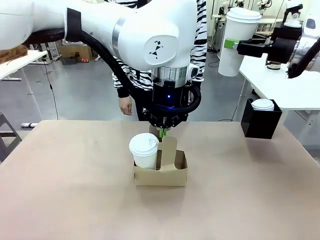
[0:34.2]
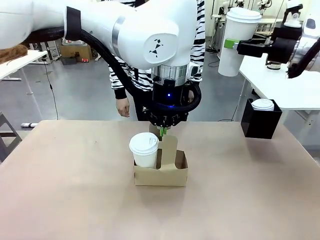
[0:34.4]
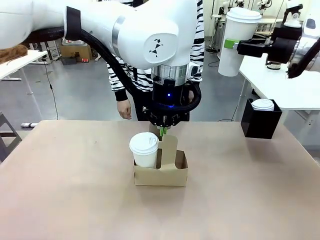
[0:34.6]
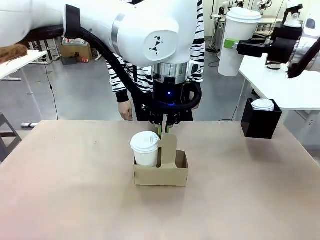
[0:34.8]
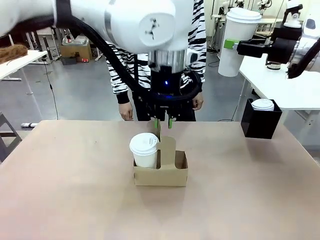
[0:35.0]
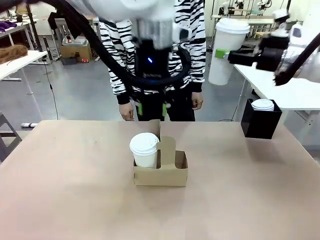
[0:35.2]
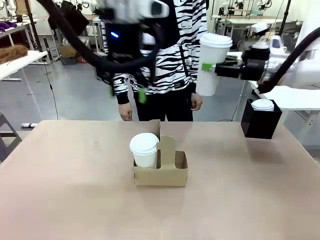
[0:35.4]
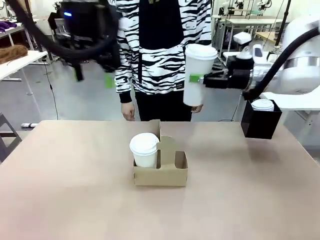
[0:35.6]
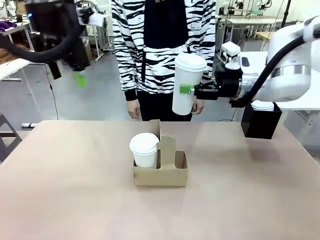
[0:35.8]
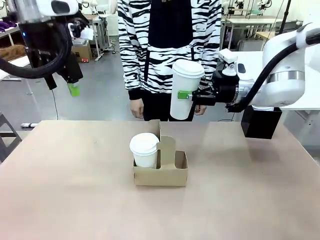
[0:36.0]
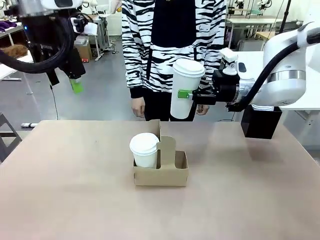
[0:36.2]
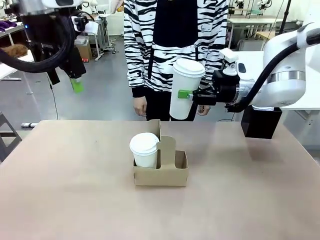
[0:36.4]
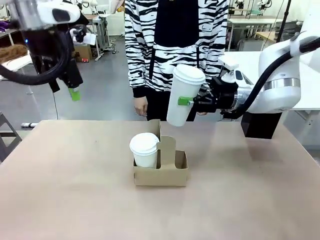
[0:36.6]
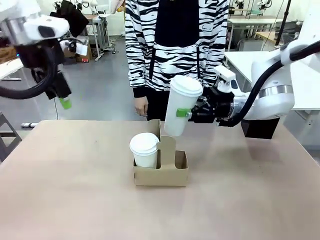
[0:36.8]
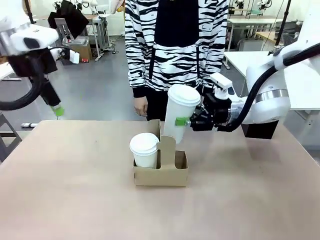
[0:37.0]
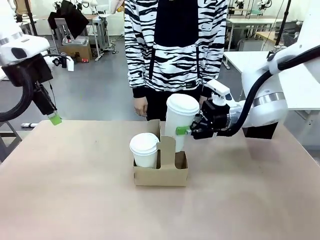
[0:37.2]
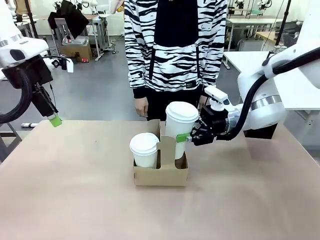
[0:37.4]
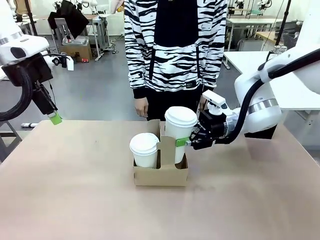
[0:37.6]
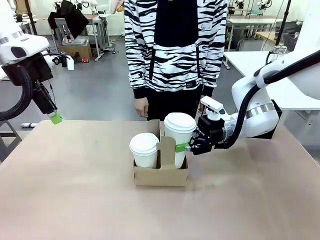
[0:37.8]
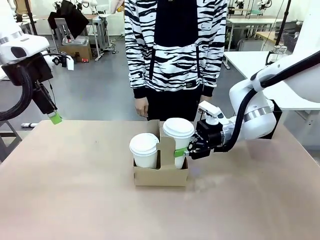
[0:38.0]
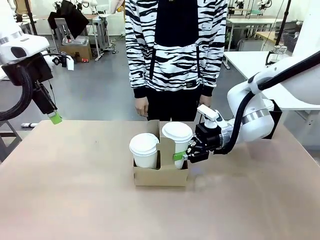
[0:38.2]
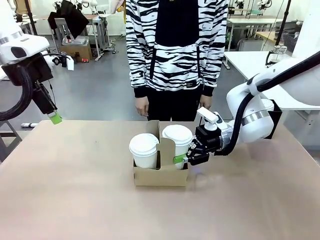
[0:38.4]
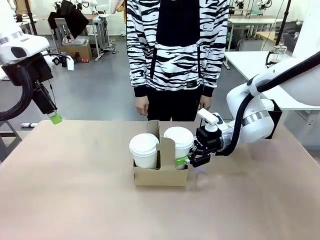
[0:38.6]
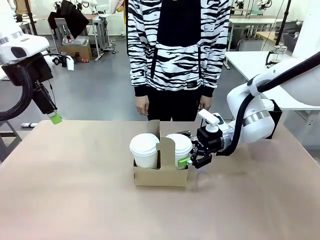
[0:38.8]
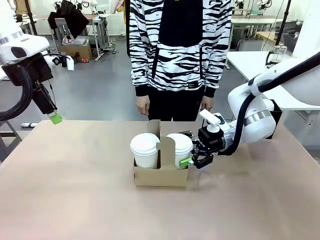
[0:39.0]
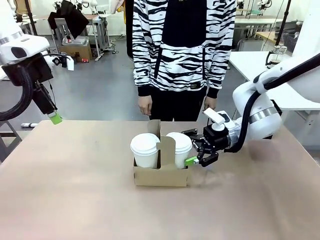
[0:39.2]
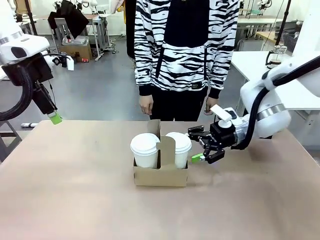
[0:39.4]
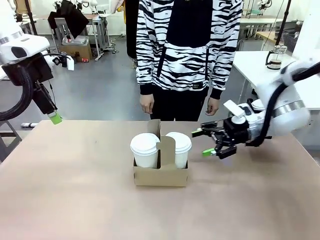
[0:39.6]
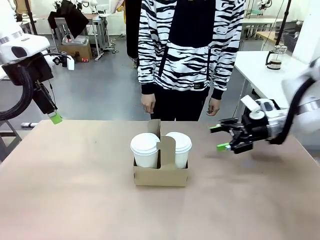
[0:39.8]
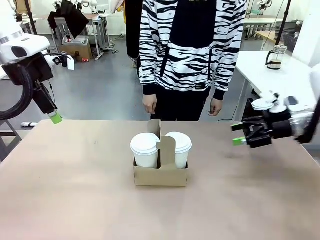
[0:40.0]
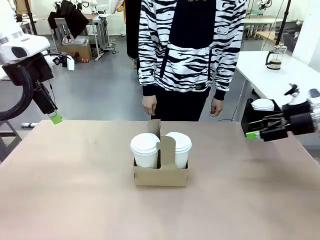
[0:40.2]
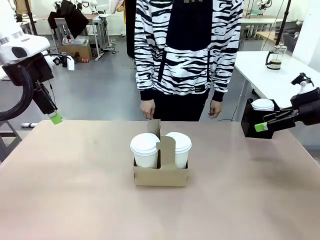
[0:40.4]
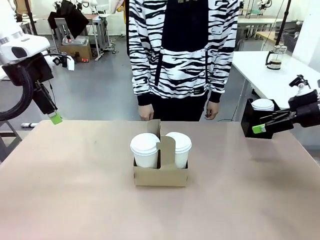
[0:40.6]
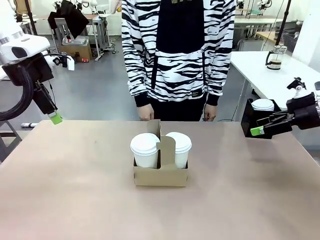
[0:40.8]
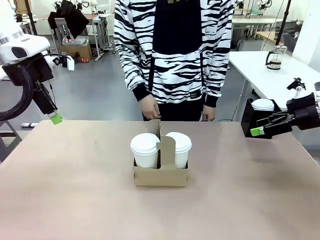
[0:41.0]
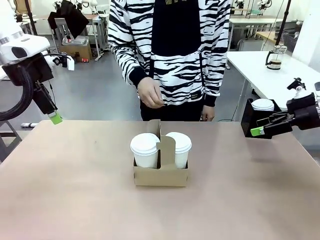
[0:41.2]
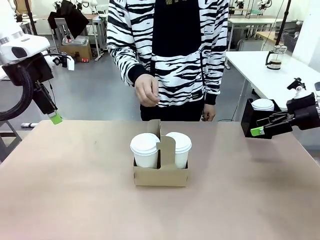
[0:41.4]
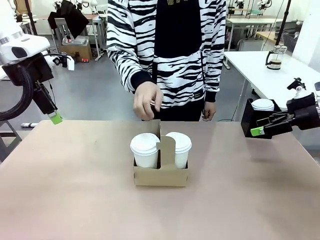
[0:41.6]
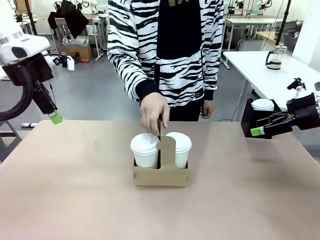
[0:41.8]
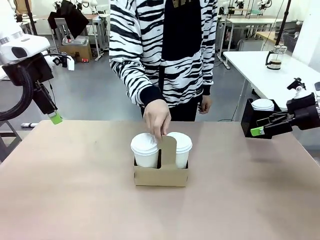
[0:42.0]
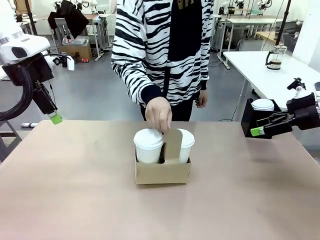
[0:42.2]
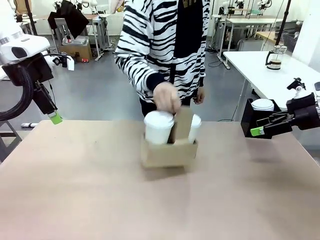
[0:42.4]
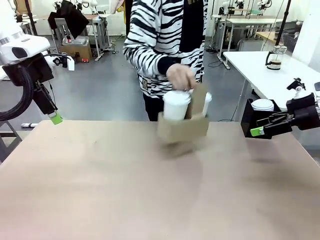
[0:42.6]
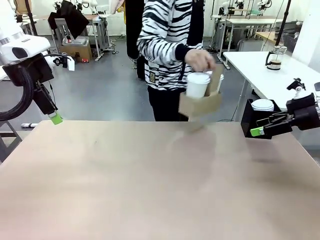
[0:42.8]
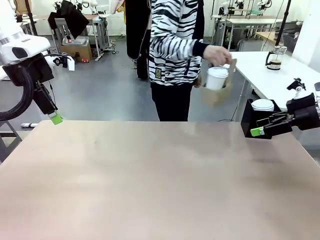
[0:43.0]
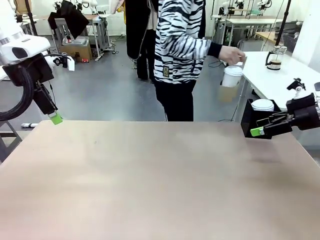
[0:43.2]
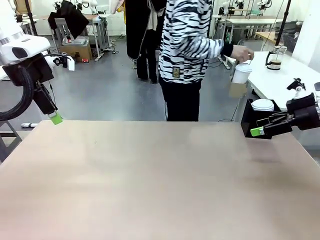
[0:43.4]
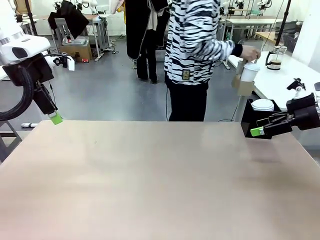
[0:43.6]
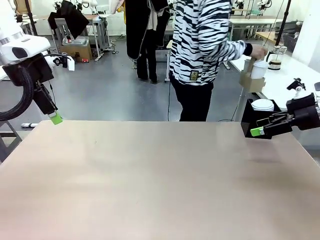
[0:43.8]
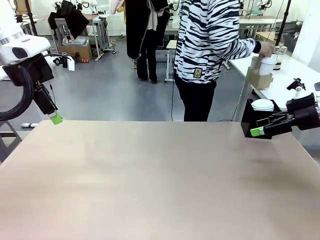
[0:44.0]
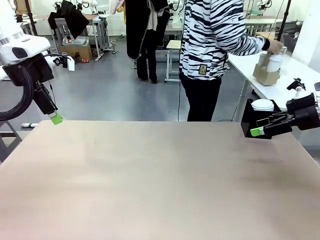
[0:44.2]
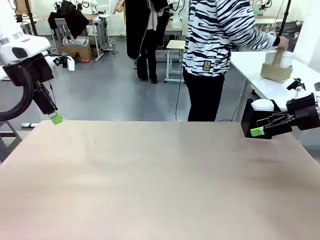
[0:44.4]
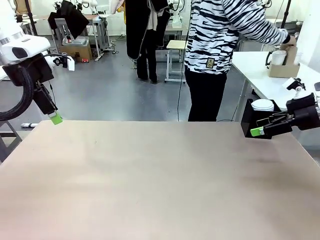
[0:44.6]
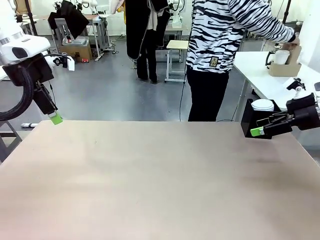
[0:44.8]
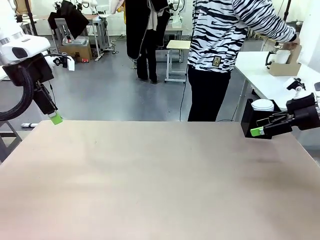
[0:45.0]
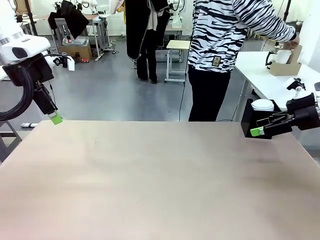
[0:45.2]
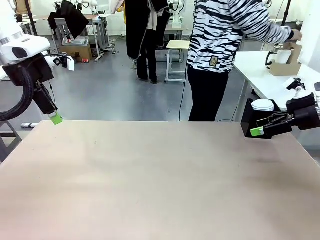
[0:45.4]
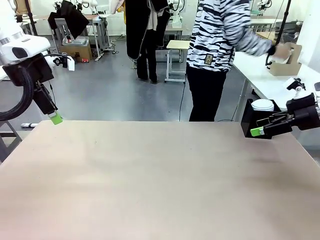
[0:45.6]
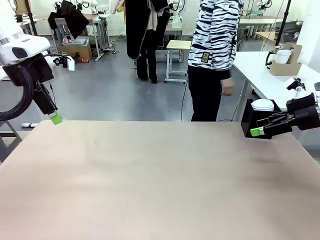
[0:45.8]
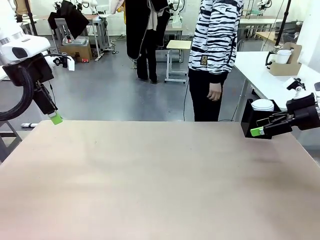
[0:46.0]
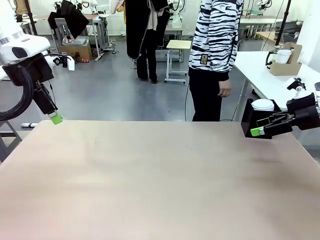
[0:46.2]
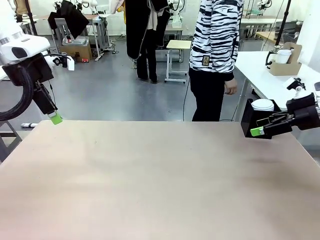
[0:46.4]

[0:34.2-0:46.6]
Task: Pour a drink into a cup and package it in a carrier.
Robot: Insert the held 600 ml Paper Cup into the Cup Carrier.
Person: Place the Cup Carrier to the middle of Human table.

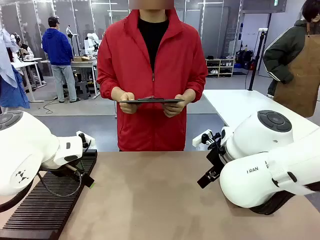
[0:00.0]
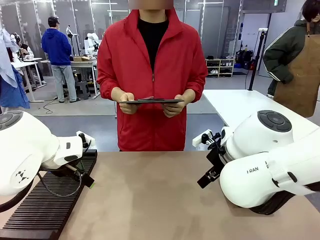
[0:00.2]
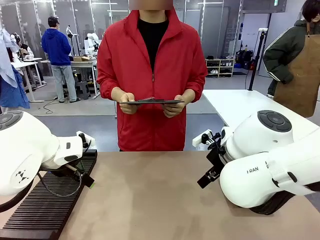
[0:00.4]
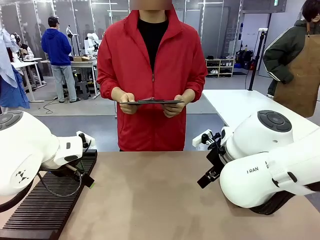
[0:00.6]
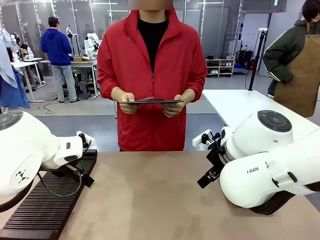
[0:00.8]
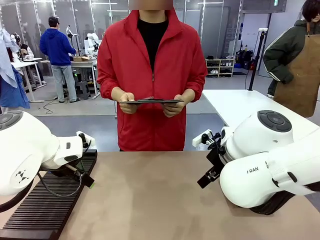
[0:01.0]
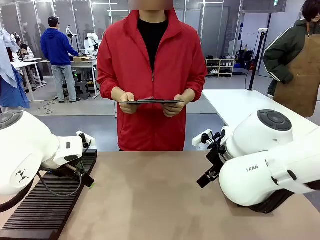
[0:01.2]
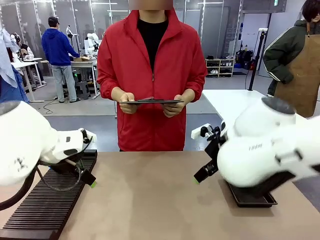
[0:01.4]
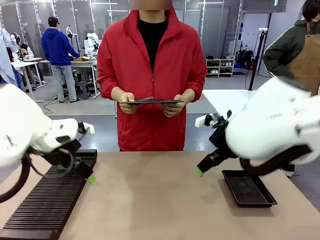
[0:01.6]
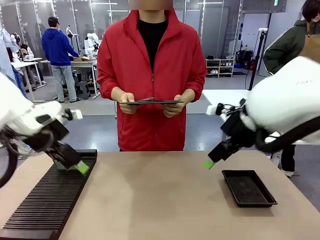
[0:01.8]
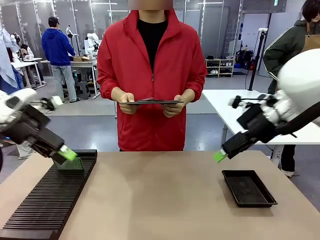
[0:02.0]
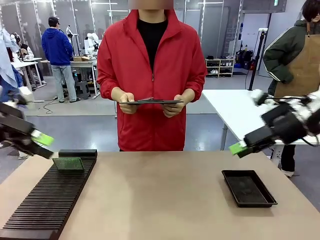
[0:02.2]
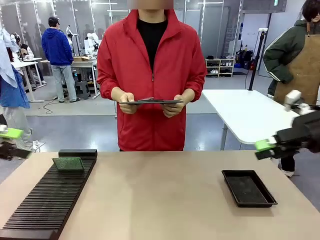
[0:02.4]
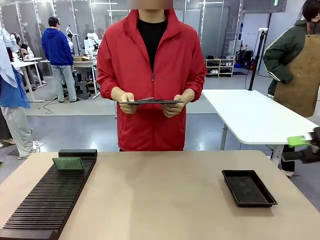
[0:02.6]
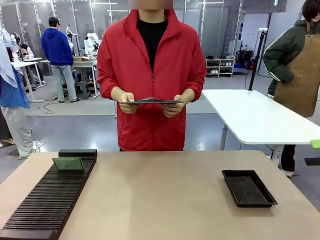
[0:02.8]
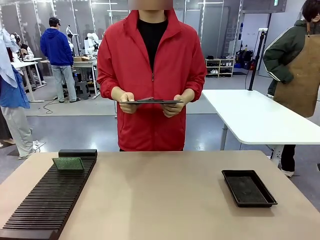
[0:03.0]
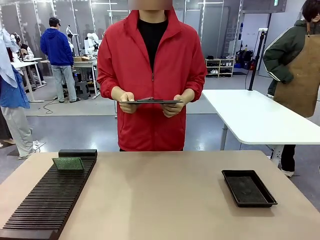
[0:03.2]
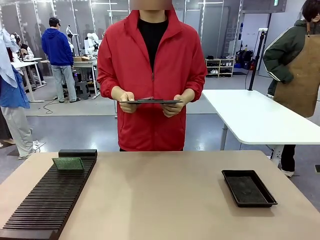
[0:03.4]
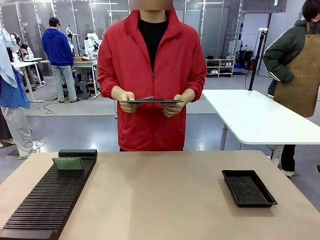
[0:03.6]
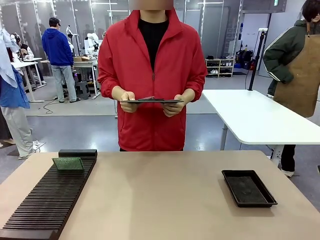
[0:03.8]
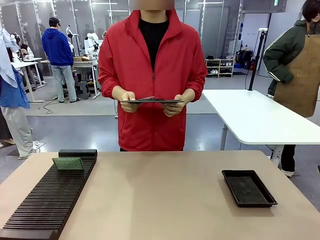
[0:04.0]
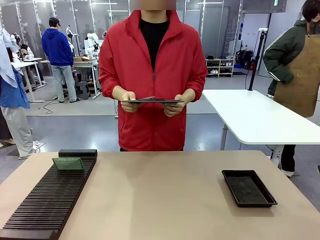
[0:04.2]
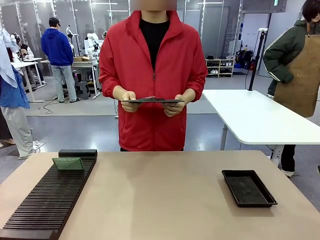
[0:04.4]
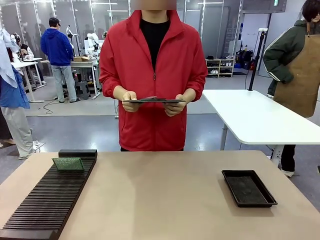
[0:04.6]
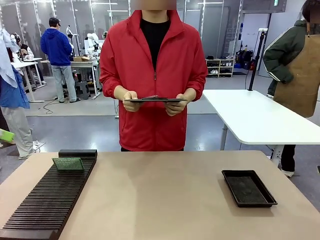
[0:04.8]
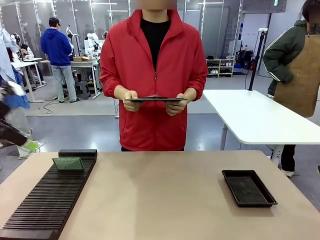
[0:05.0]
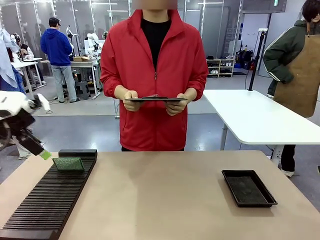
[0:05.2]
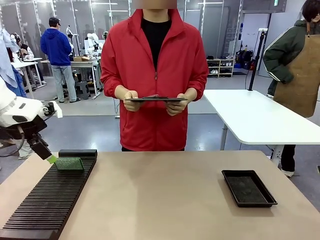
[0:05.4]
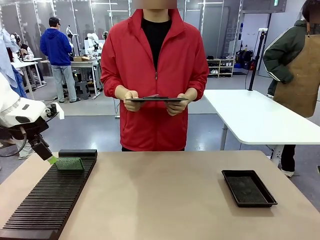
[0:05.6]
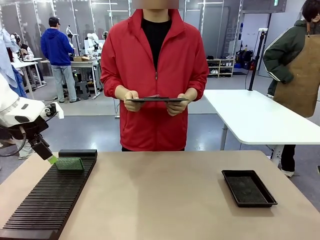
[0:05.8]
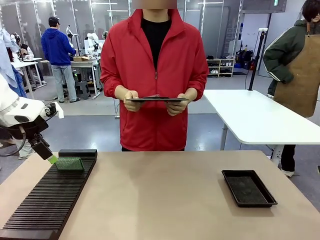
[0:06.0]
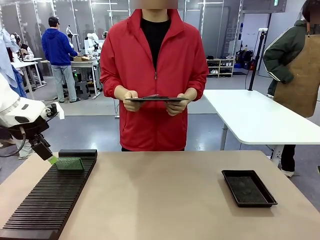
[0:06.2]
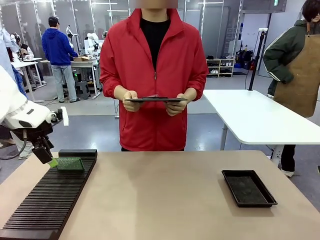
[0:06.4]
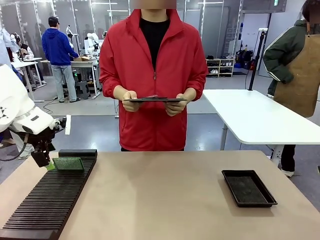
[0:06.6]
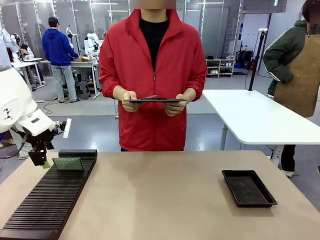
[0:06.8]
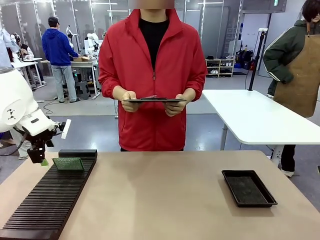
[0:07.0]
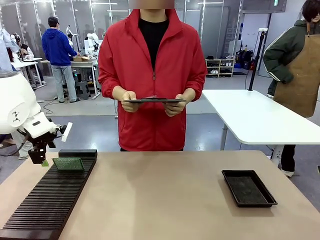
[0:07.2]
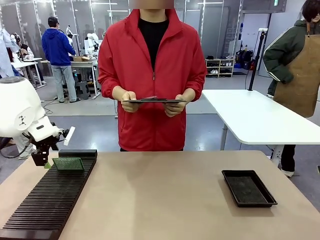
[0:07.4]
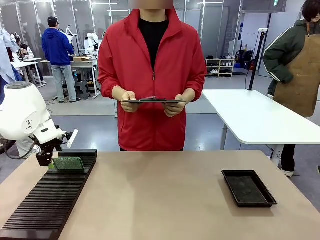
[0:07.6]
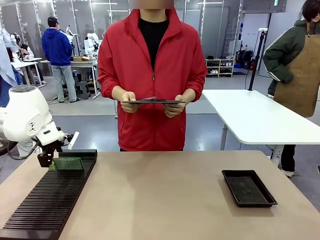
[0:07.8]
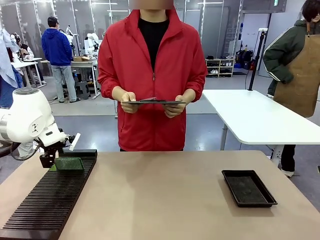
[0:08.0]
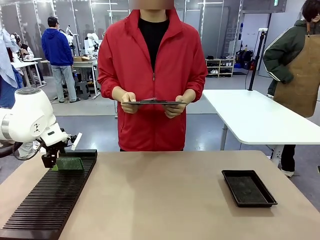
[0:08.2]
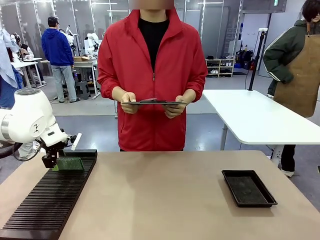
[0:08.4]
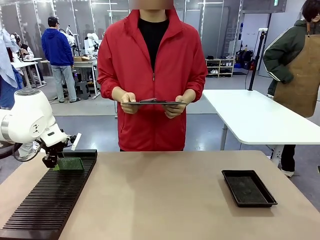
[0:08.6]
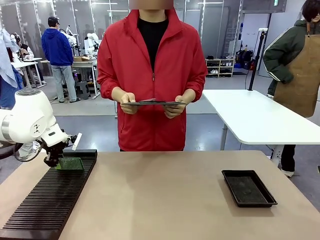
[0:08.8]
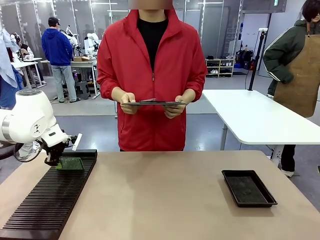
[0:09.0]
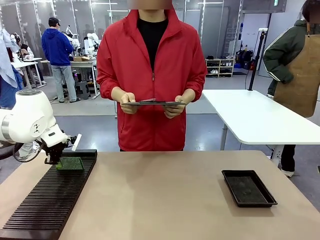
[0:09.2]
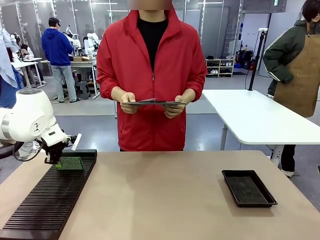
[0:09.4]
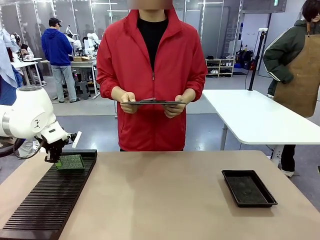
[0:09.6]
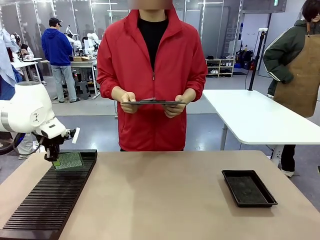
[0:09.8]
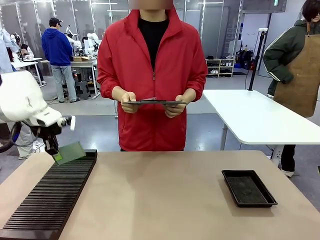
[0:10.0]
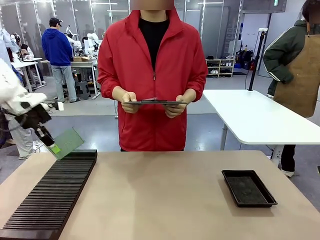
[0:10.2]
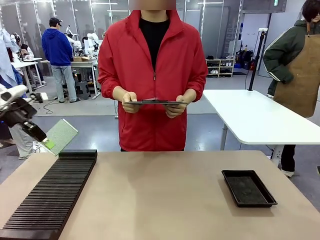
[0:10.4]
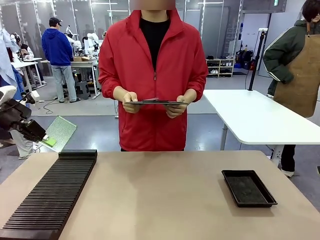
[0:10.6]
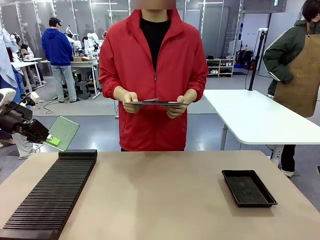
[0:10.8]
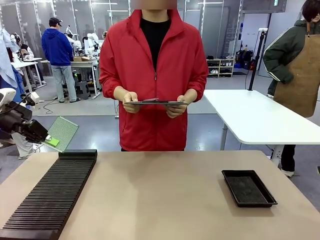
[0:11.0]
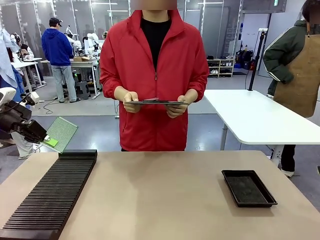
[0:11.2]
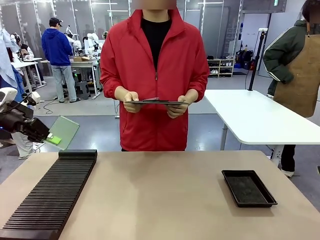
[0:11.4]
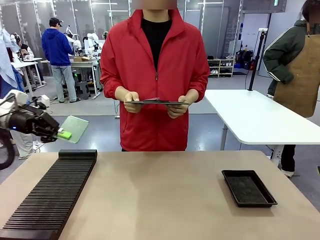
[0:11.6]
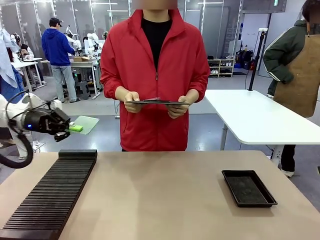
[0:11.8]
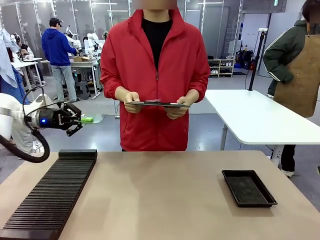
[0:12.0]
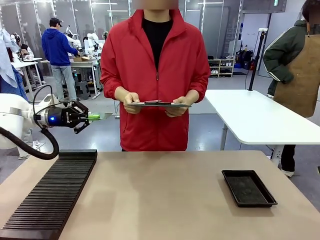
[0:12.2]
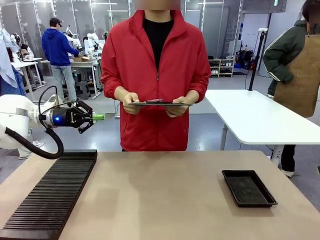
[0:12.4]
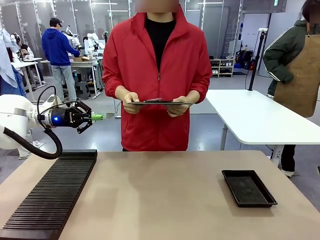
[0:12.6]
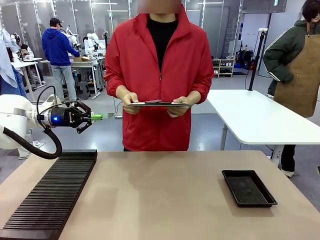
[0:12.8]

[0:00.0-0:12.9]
Task: Inspect the PCB.
Robot: Pick up the Blank PCB and present it to the human.
Person: Pick up the PCB presented by the robot.
